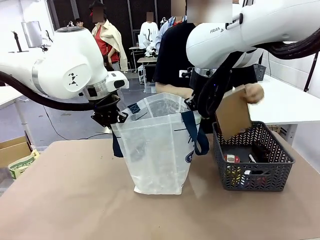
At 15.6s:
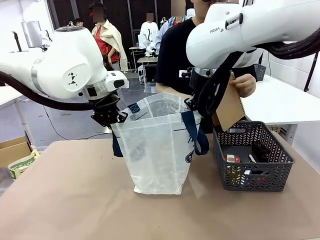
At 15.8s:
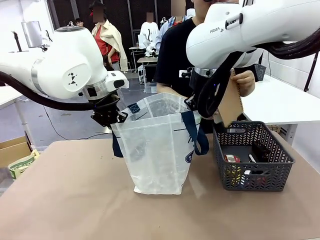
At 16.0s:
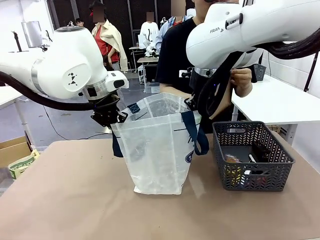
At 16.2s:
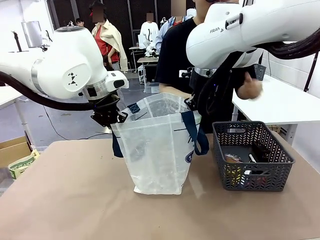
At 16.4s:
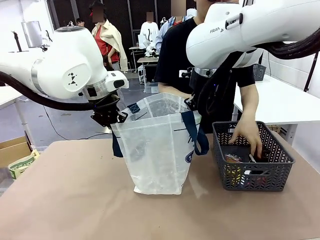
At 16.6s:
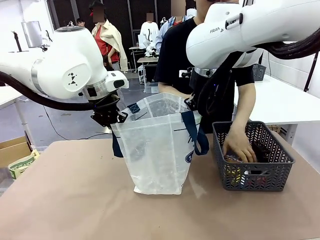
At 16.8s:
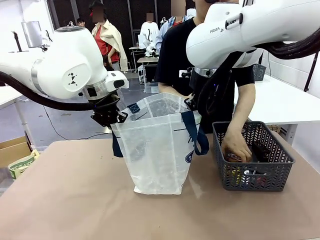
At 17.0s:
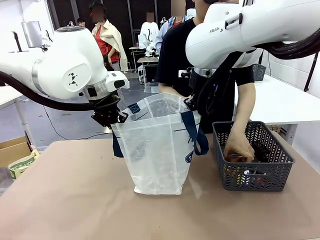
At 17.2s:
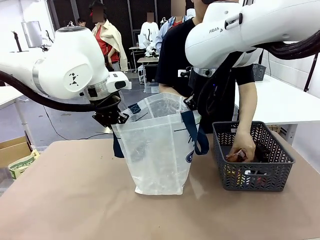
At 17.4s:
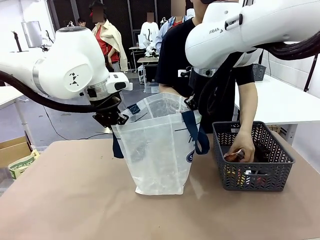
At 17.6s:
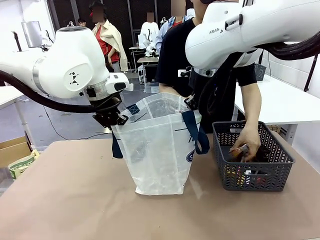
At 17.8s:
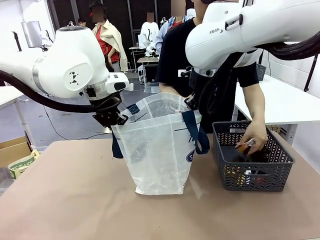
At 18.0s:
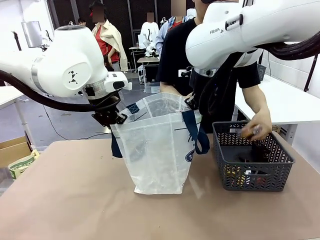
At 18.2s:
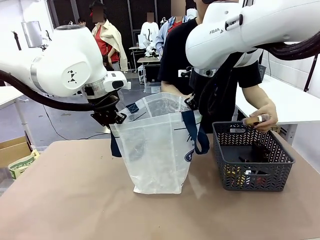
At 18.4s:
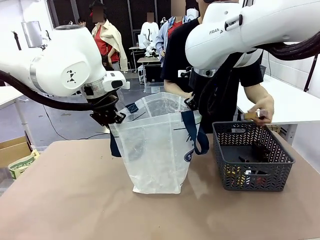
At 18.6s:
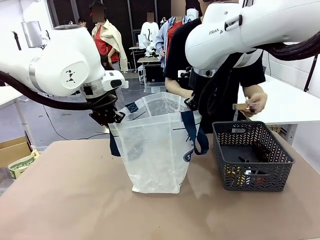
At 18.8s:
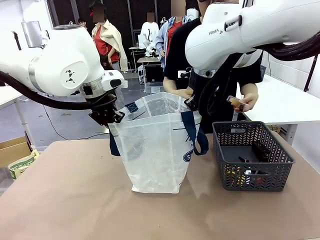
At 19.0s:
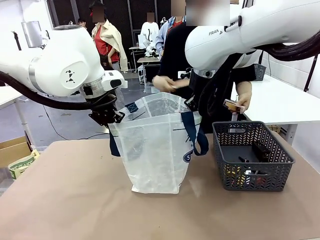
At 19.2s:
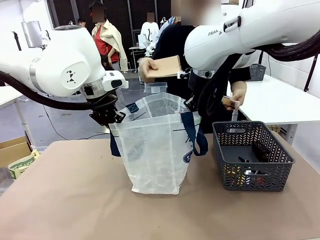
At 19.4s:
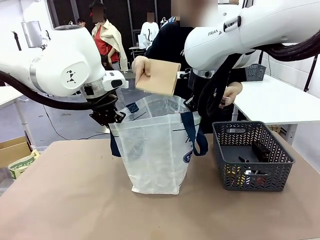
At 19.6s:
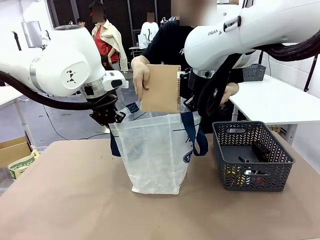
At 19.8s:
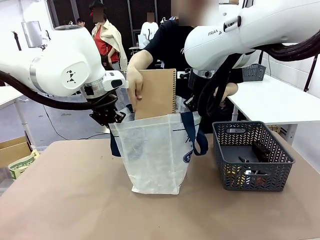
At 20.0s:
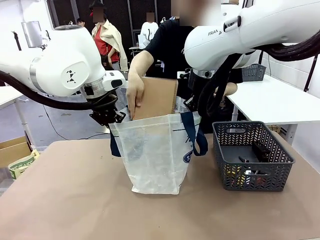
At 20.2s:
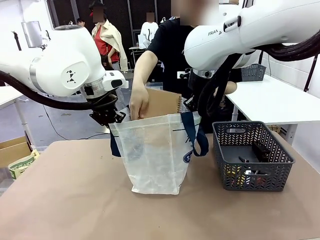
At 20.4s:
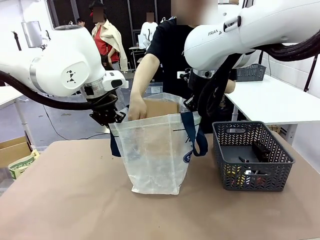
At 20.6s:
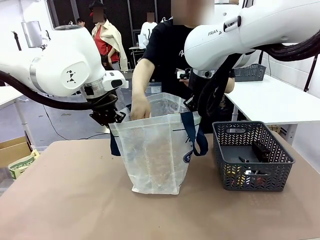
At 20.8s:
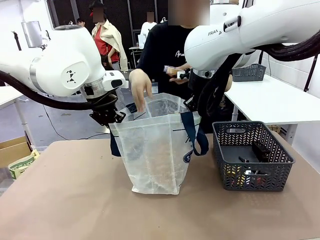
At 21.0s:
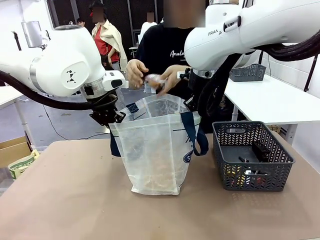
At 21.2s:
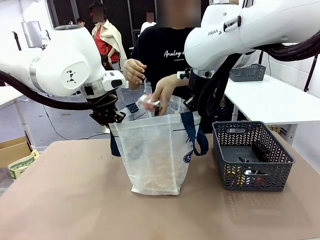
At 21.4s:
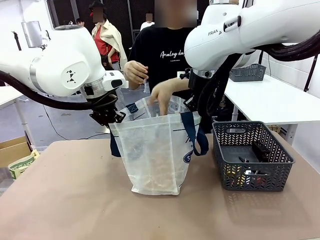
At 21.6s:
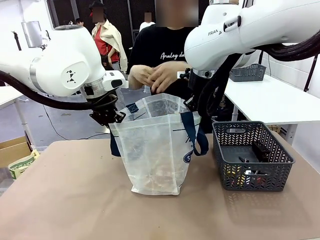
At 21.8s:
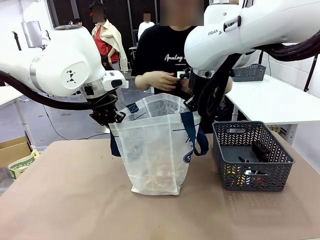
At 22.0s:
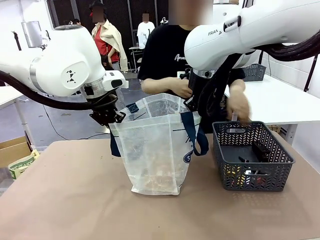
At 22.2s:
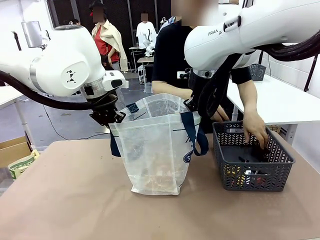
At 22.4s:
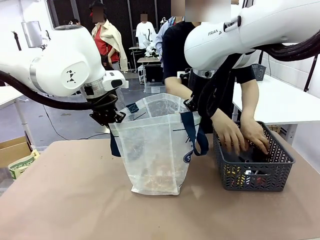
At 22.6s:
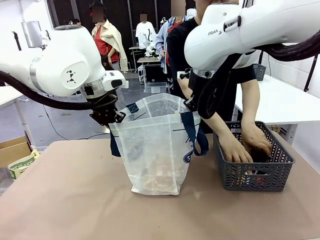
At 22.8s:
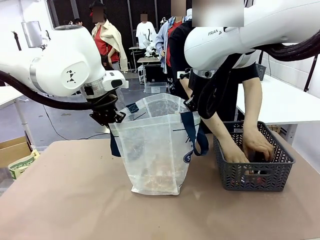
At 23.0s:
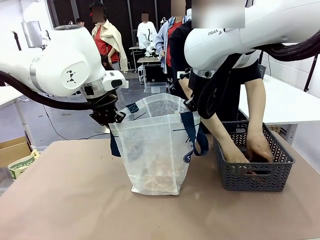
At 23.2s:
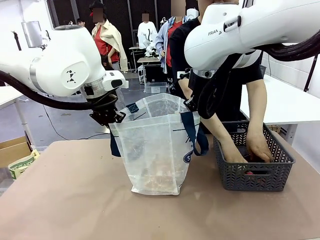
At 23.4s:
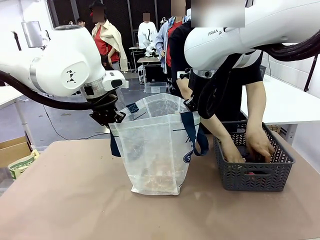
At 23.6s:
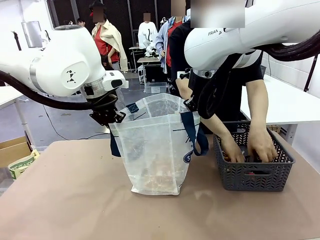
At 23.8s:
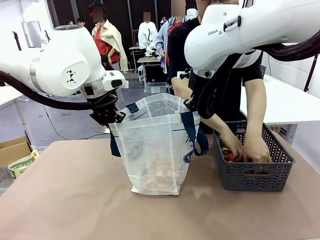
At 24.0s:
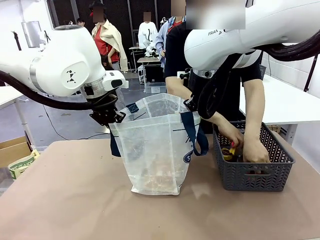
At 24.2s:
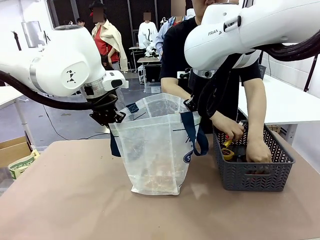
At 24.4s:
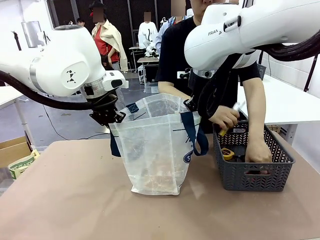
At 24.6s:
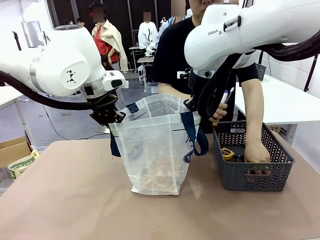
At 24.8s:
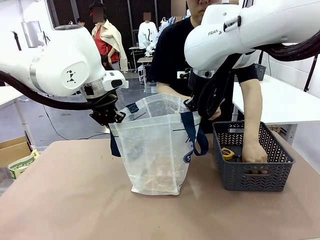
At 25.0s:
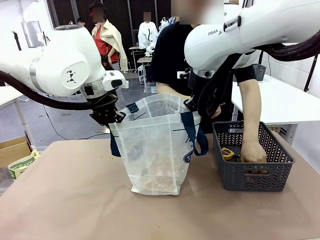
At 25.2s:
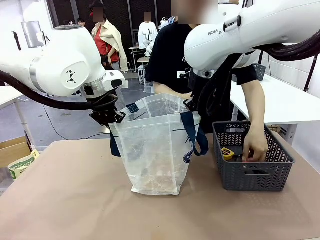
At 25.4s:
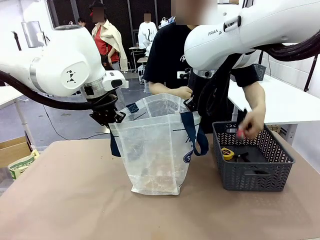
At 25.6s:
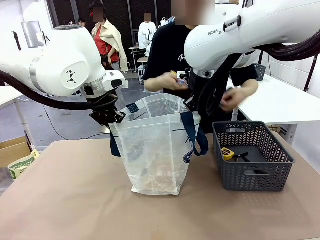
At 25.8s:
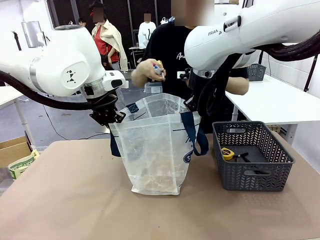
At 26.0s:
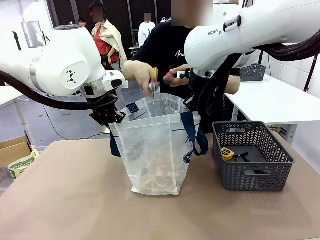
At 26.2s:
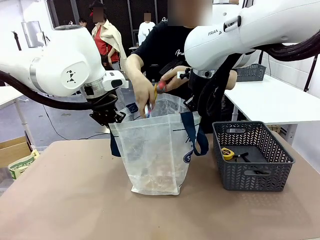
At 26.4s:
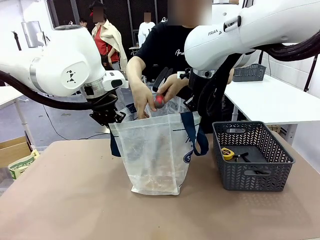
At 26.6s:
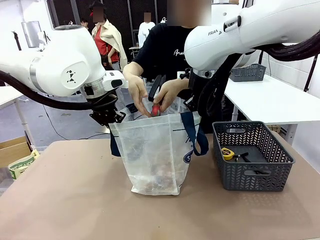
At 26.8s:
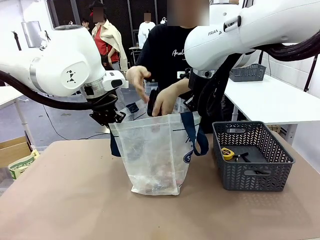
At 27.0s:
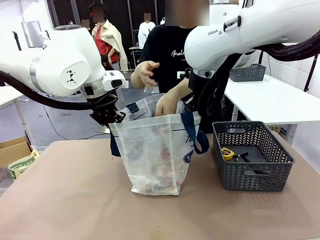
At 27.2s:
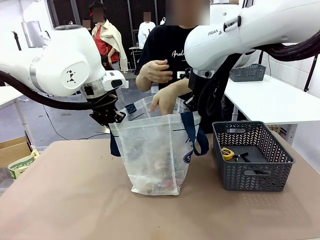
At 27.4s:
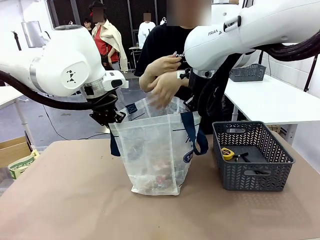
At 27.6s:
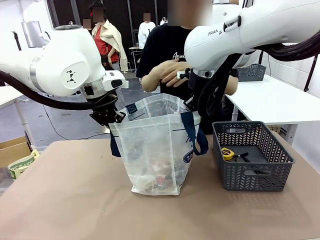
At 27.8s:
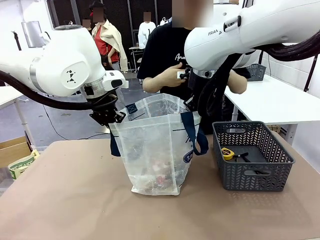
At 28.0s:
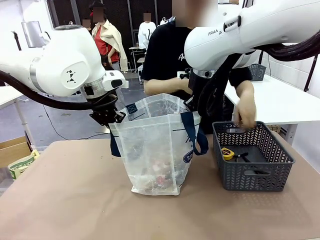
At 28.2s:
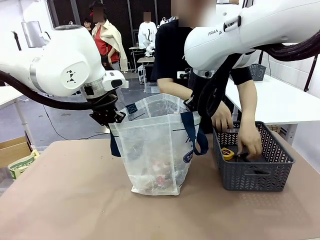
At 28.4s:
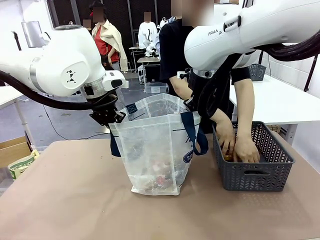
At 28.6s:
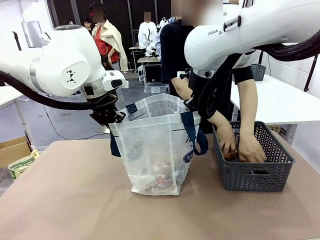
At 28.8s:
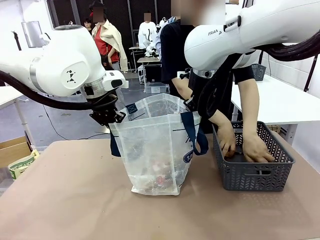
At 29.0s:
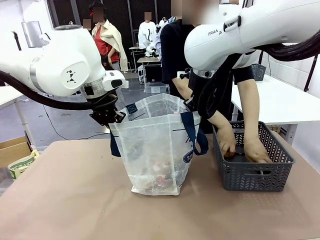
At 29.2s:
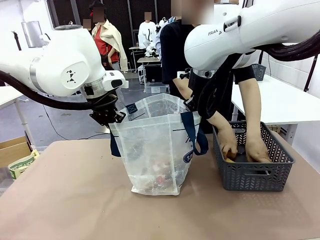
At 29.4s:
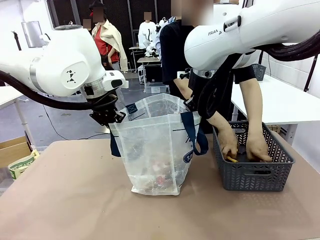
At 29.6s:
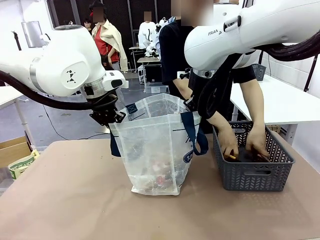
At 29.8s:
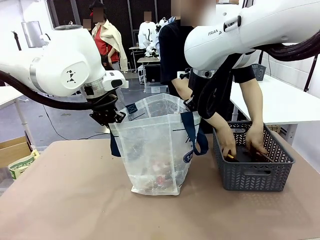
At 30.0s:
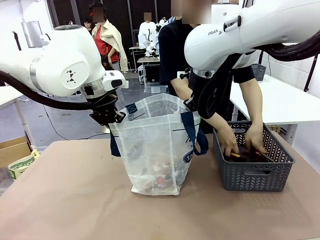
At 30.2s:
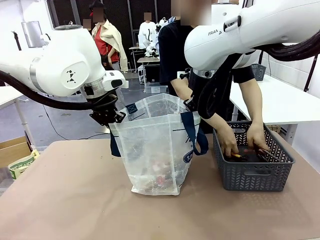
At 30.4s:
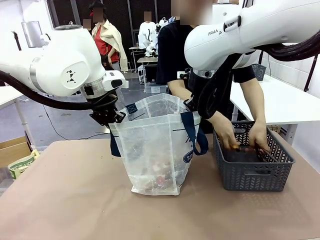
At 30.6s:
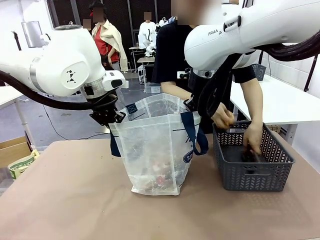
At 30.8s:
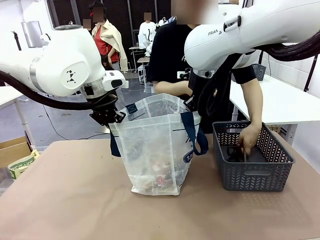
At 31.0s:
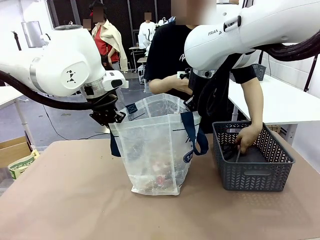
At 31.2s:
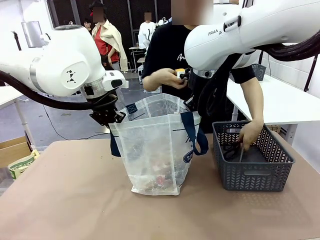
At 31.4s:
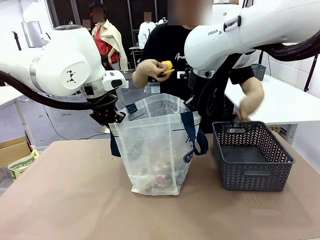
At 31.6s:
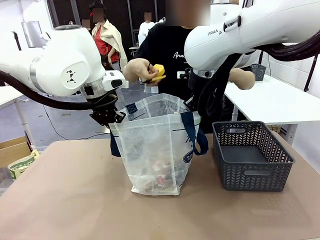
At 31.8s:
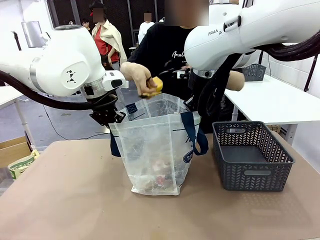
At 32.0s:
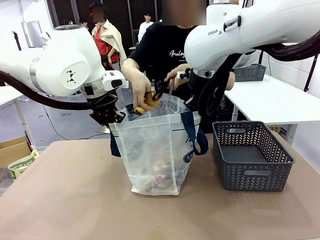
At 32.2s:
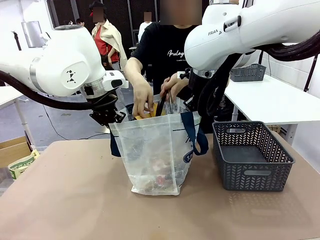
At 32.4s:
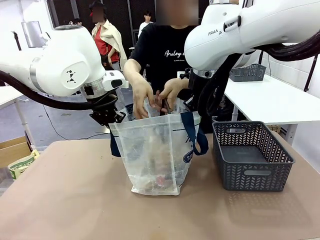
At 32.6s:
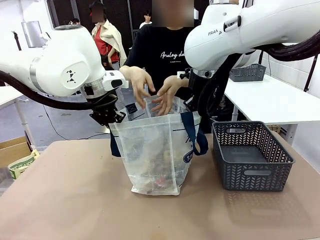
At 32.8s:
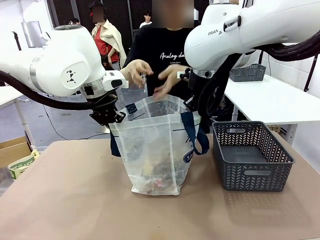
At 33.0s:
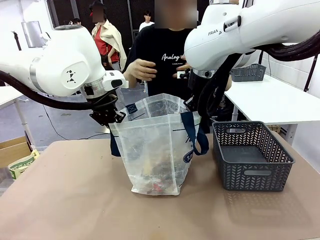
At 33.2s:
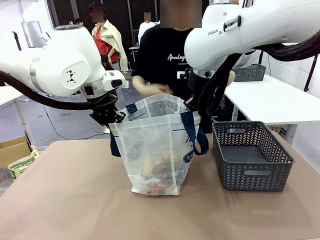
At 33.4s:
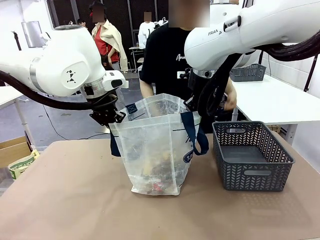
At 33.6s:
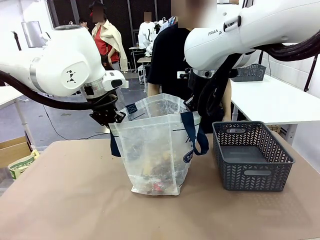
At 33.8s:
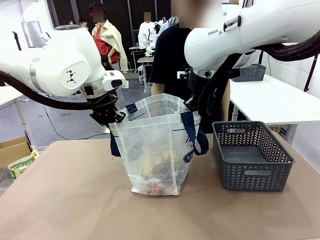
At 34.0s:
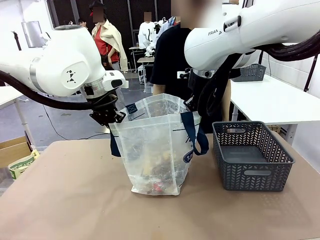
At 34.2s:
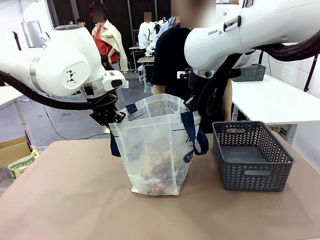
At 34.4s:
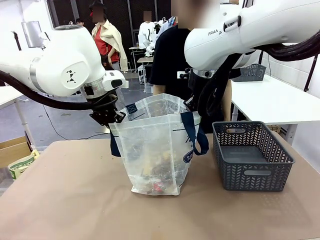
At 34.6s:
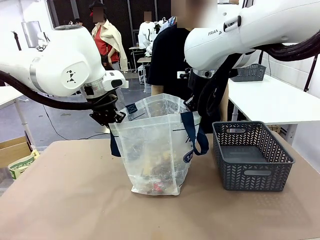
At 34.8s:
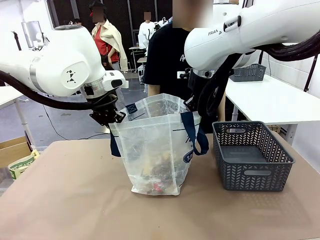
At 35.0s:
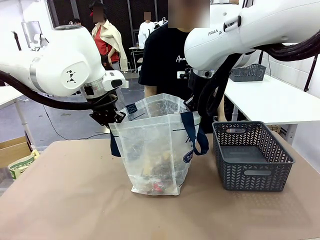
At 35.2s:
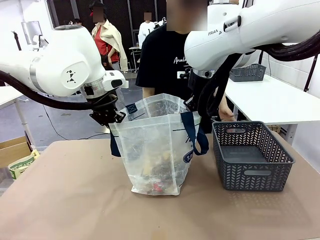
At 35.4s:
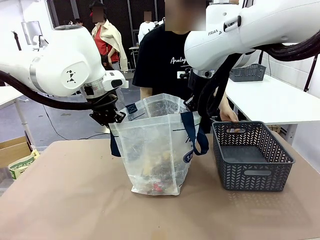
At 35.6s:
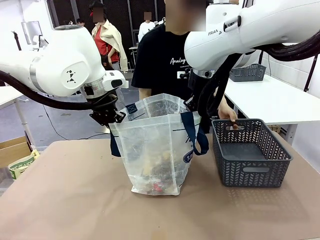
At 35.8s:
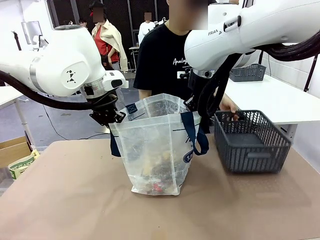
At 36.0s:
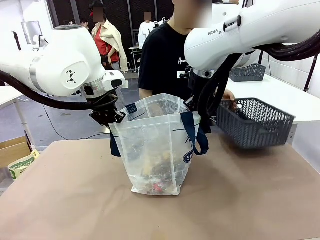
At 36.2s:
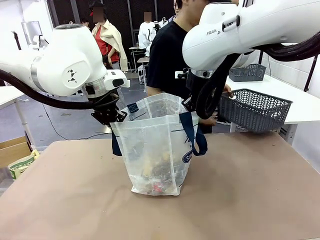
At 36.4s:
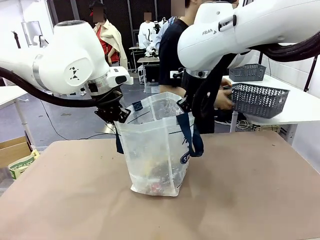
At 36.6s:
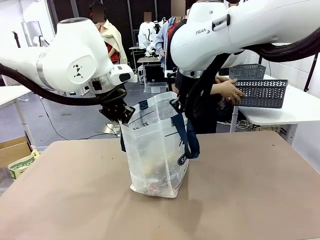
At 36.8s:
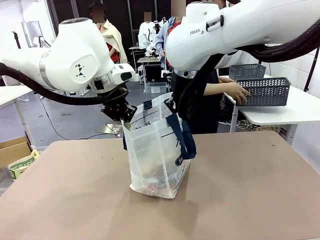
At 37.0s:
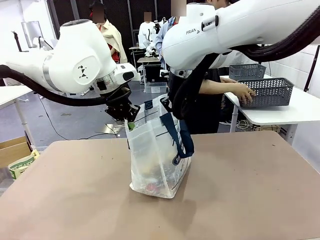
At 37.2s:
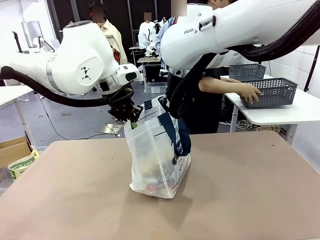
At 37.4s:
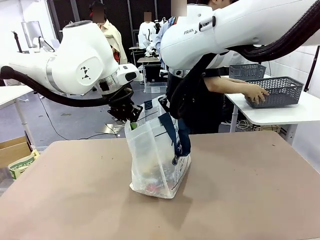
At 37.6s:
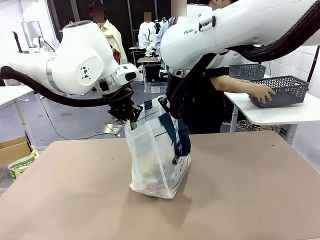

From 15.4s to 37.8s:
Task: Transfer purchased items from the store into the shopping bag.
Robot: Move the Reusable shopping bag to the right side of the table.
Person: Pick up the basket on the right, place it on the left side of the robot table, and move the items in the basket to the shopping bag. Pick up the basket with the items out and place it on the right side of the human table.
